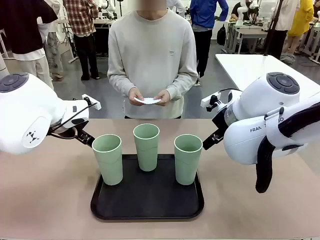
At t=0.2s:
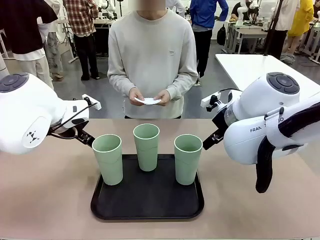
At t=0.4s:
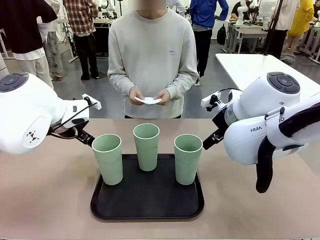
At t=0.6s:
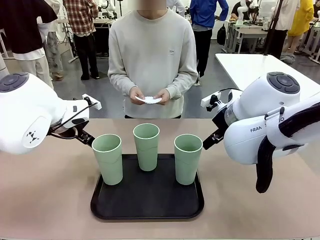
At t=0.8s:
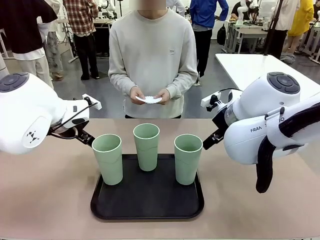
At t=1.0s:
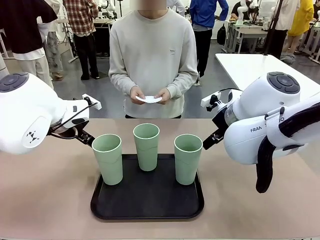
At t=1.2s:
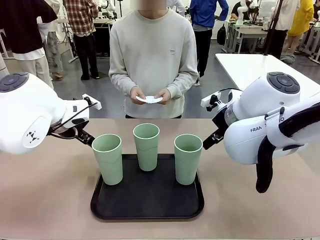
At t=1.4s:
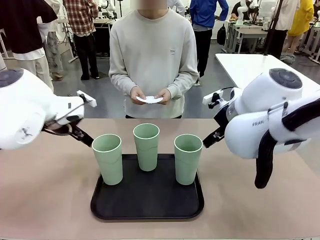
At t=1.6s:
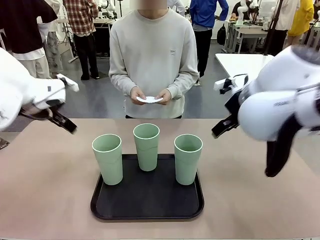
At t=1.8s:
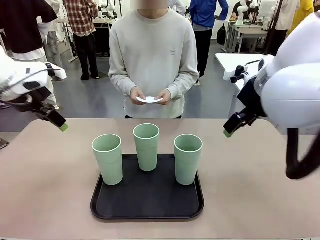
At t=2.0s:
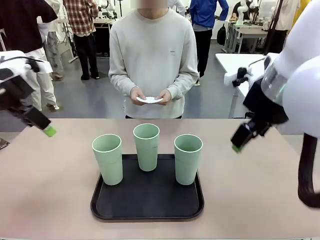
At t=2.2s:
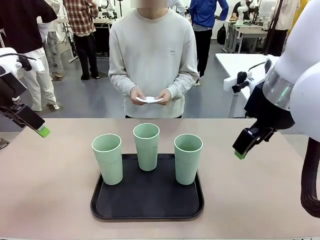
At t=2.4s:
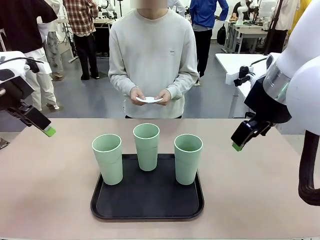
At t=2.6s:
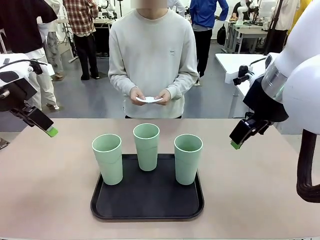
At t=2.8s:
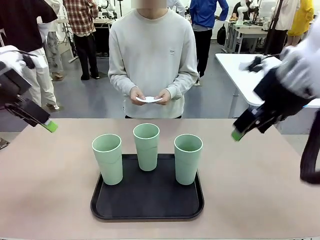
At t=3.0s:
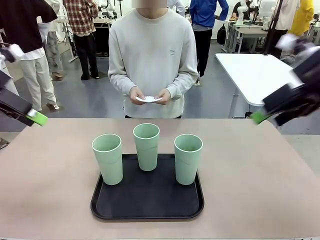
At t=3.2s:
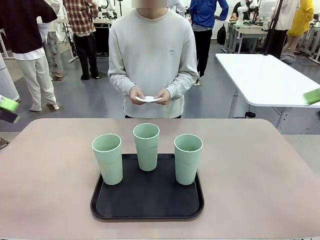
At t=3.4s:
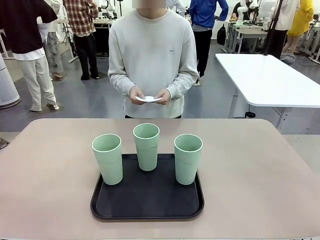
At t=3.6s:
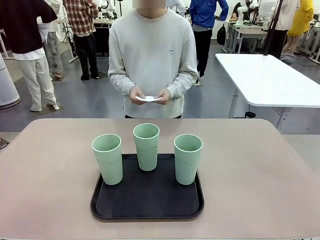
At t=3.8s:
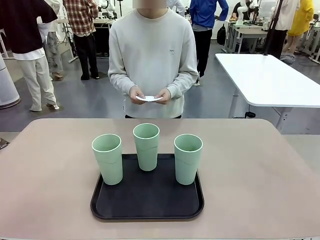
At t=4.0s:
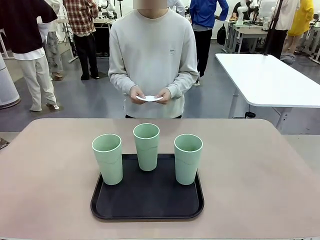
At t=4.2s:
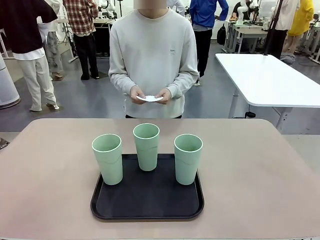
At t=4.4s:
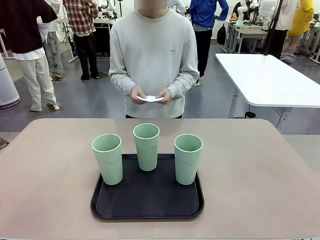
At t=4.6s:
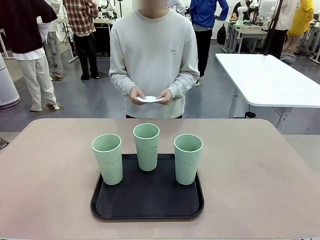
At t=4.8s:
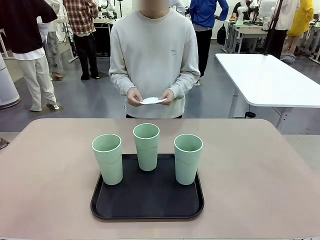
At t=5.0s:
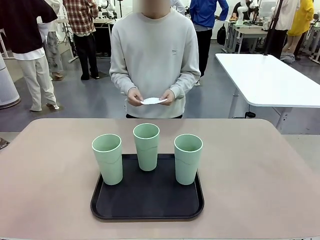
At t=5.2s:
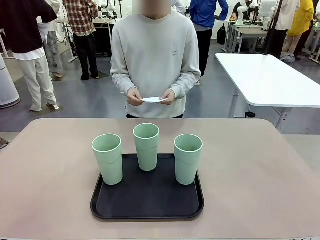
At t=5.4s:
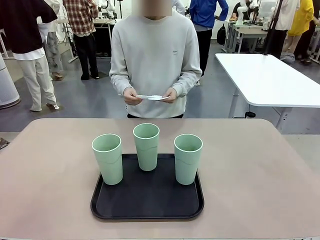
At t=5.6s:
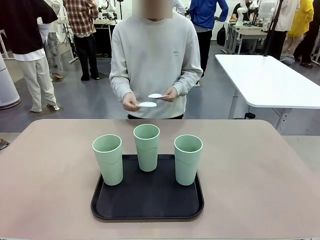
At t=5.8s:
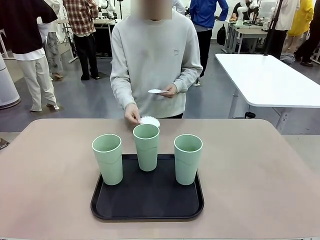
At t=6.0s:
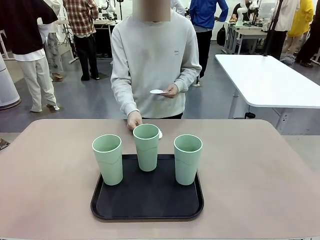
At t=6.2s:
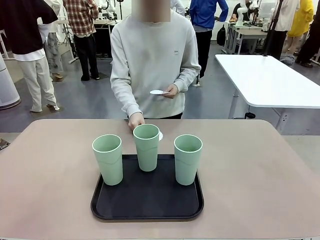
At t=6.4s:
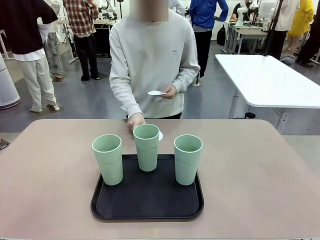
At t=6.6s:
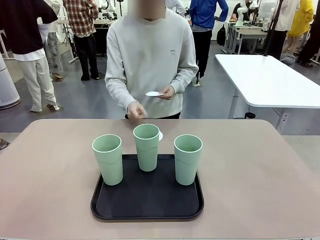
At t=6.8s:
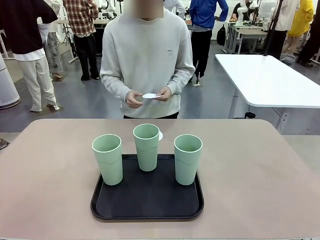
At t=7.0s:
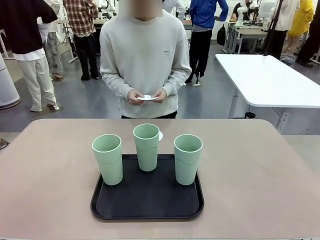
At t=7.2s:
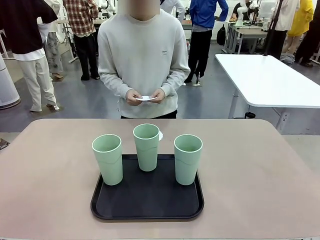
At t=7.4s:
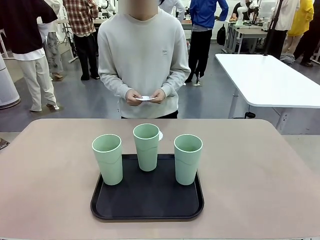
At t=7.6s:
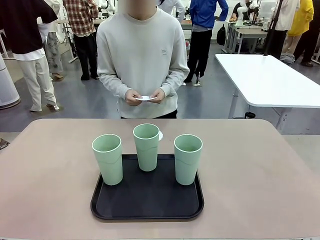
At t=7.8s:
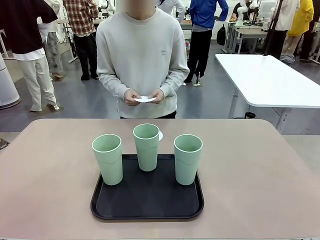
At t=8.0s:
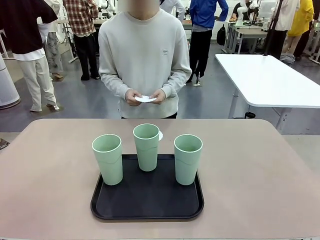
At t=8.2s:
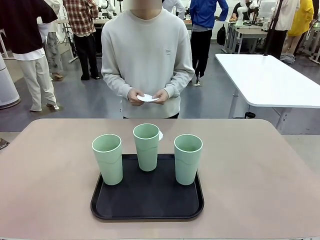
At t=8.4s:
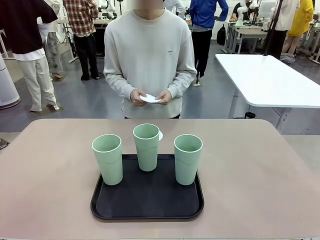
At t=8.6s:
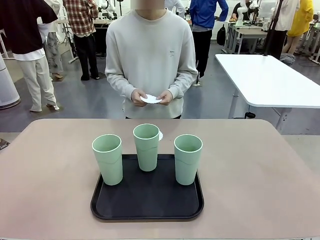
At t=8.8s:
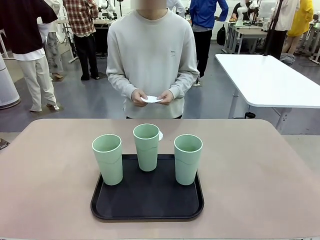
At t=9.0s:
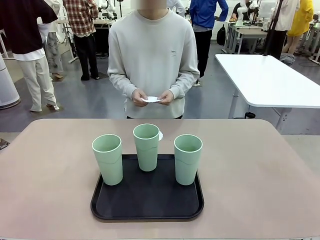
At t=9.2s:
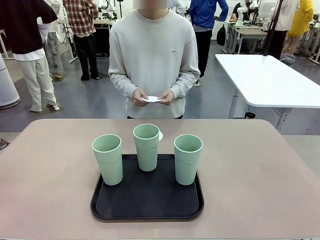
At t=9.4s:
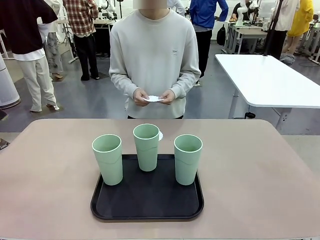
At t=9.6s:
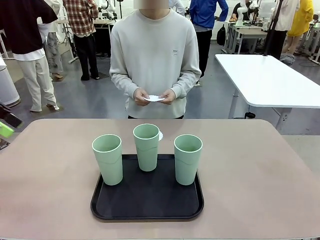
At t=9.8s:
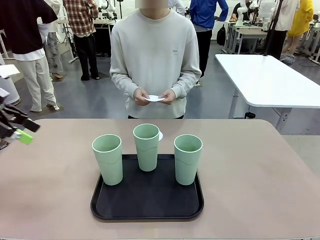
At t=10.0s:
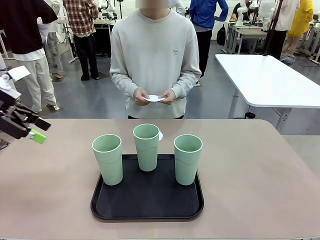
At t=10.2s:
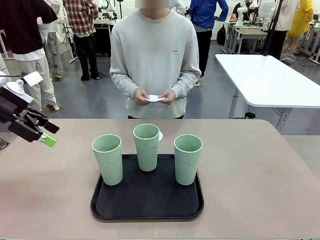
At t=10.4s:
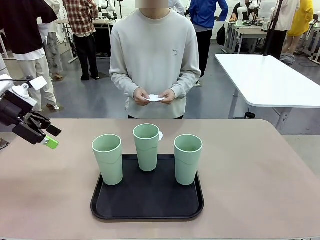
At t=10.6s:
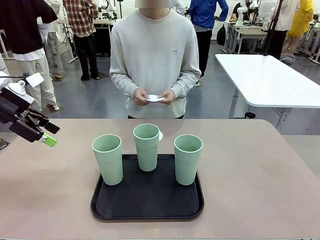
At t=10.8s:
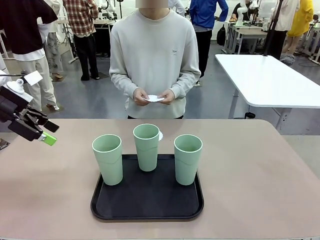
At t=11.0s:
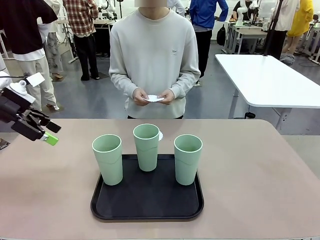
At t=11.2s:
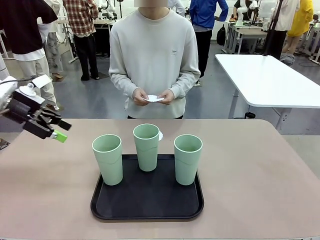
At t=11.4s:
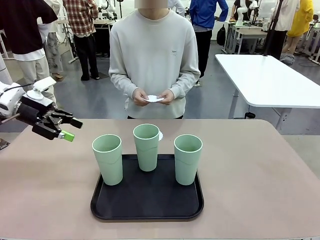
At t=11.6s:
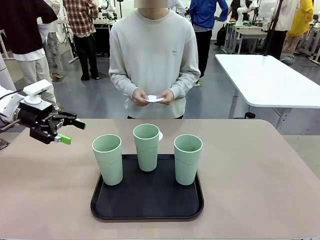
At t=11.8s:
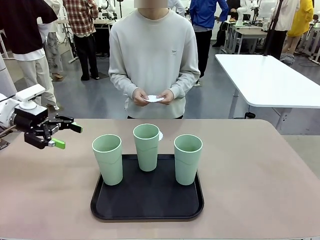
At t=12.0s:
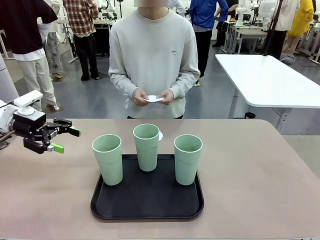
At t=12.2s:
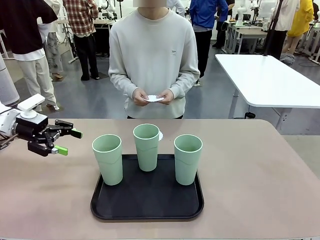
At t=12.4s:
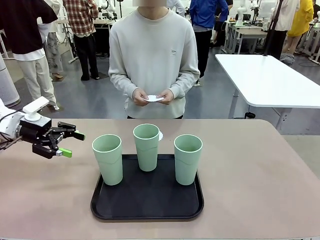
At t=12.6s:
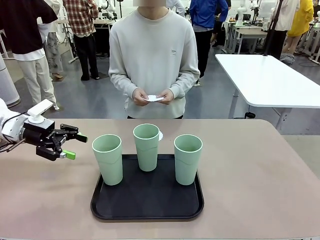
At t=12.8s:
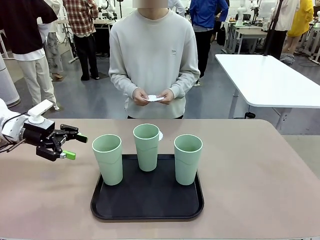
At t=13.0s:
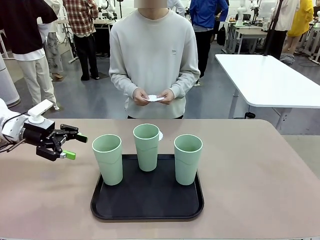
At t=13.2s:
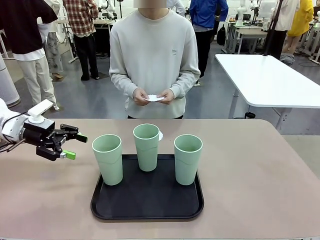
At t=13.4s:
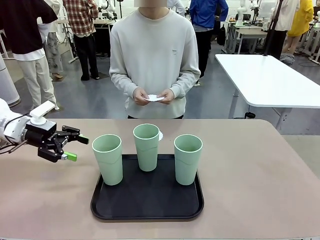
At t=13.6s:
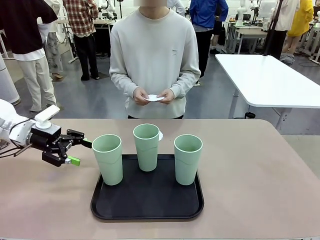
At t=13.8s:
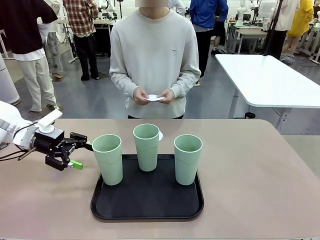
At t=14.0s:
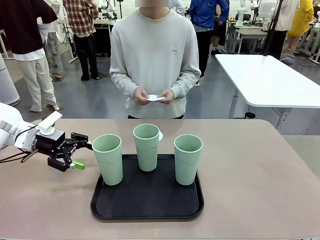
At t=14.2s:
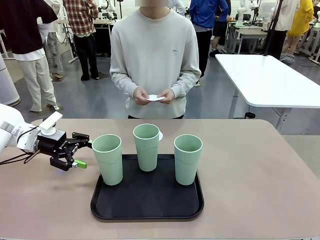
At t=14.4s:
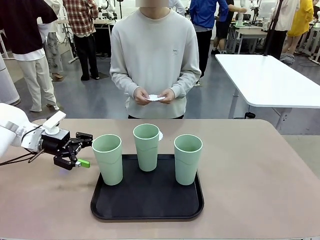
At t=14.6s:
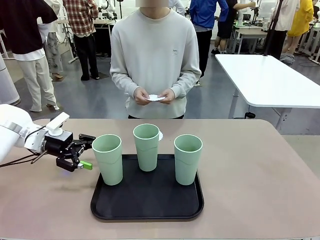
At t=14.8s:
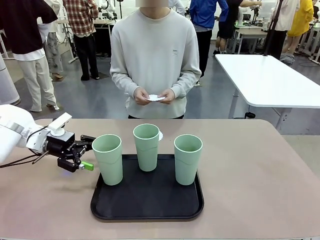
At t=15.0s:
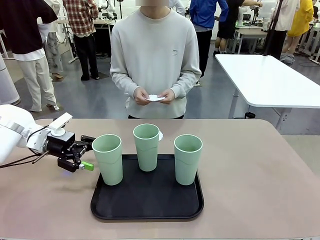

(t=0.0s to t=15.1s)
Task: Place coasters on the table and set cups on them.
Robot: Pick up one Reusable plastic cup and place it on a coaster set by the human.
Person: Place one coaster in any one of the three lower areas of the robot table (left, center, or right).
